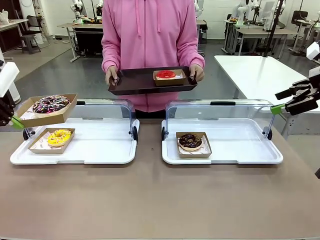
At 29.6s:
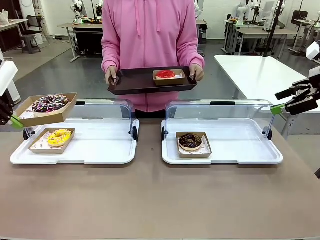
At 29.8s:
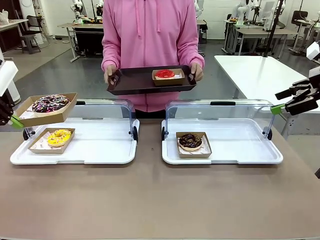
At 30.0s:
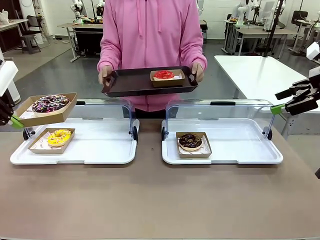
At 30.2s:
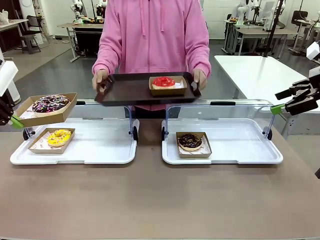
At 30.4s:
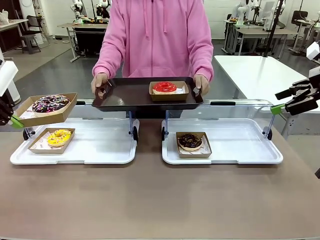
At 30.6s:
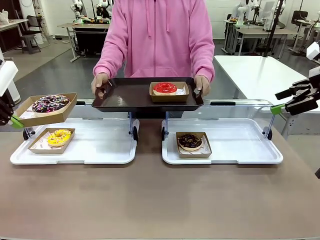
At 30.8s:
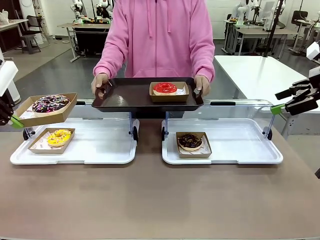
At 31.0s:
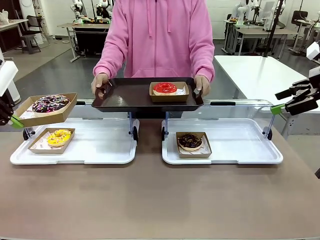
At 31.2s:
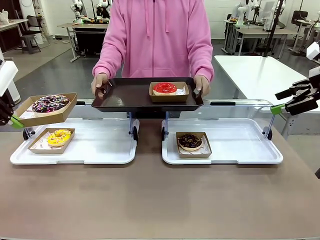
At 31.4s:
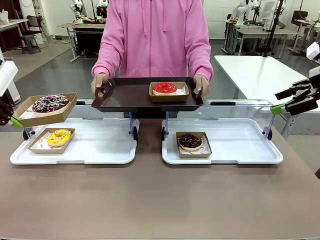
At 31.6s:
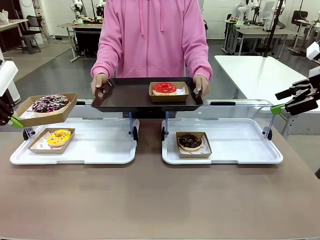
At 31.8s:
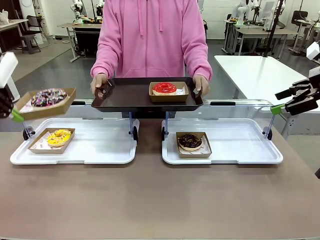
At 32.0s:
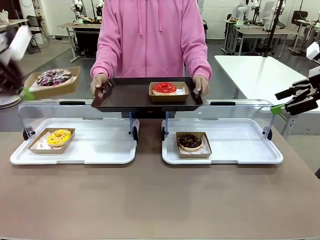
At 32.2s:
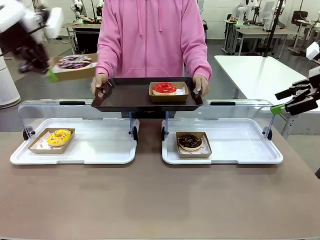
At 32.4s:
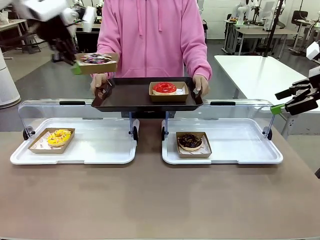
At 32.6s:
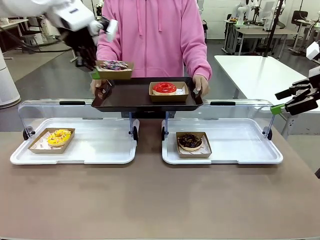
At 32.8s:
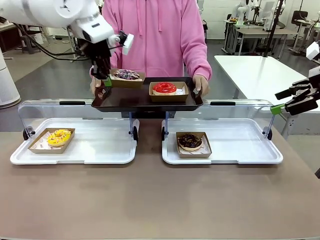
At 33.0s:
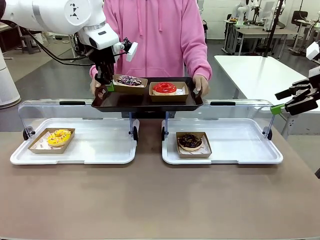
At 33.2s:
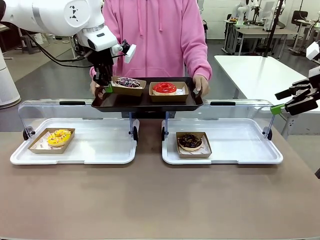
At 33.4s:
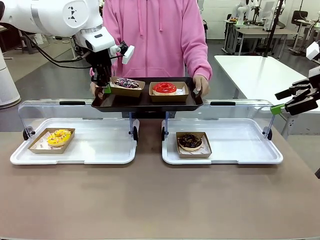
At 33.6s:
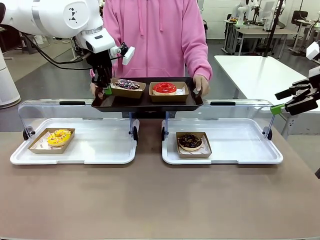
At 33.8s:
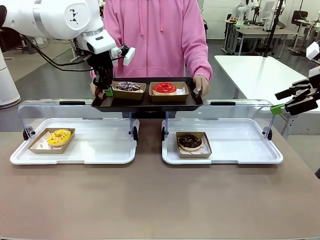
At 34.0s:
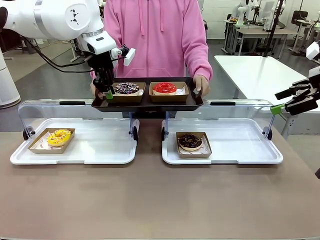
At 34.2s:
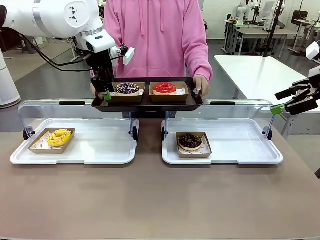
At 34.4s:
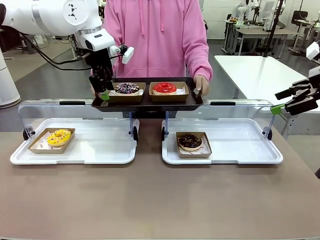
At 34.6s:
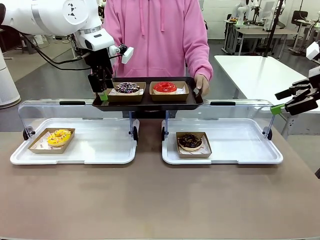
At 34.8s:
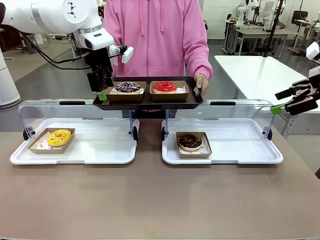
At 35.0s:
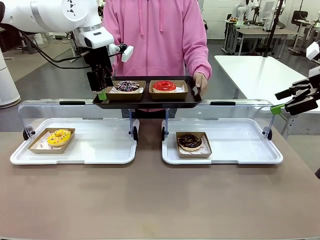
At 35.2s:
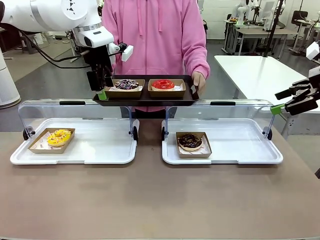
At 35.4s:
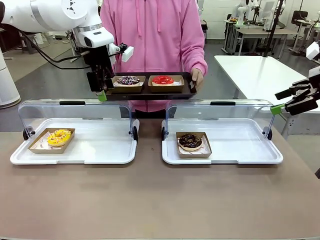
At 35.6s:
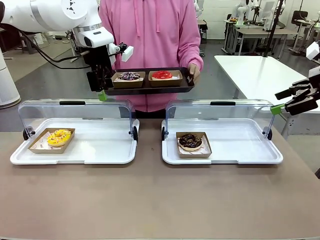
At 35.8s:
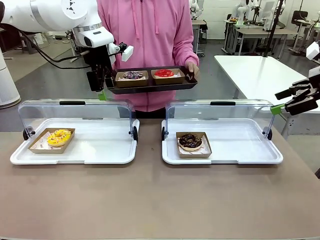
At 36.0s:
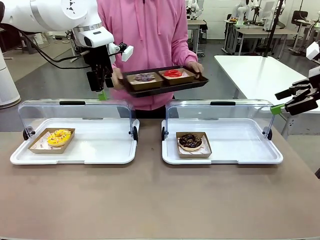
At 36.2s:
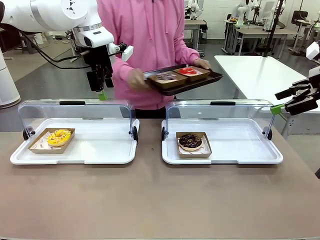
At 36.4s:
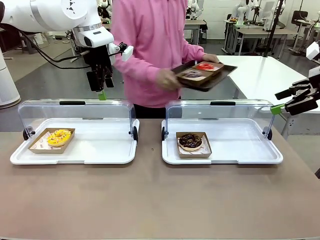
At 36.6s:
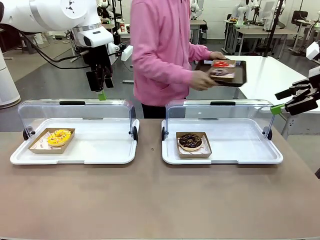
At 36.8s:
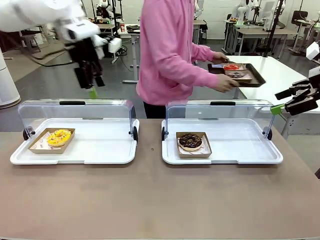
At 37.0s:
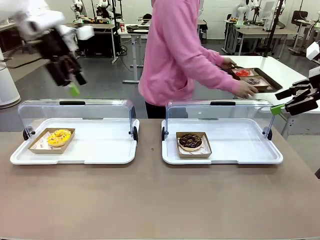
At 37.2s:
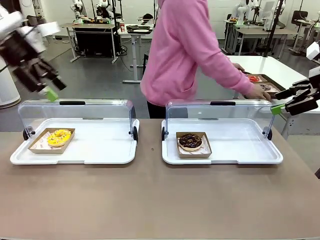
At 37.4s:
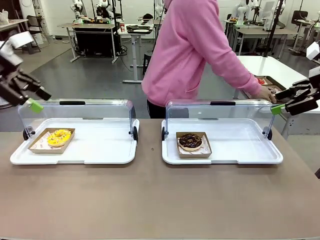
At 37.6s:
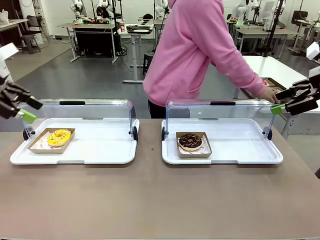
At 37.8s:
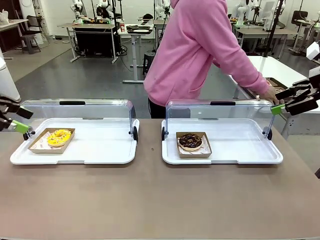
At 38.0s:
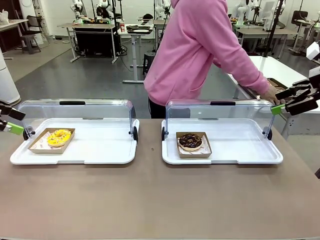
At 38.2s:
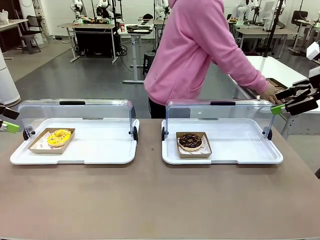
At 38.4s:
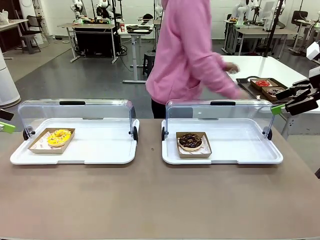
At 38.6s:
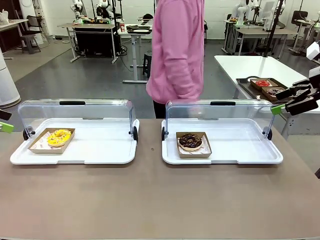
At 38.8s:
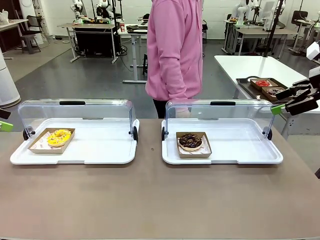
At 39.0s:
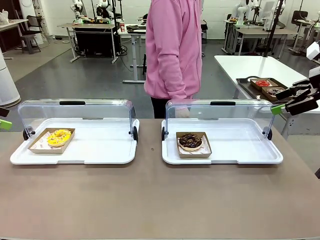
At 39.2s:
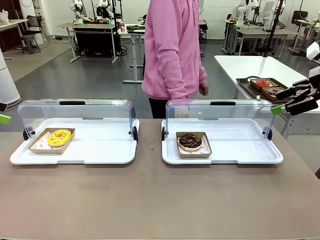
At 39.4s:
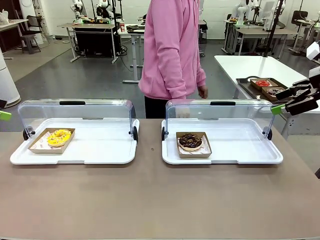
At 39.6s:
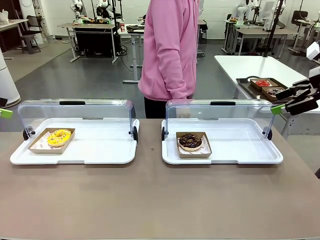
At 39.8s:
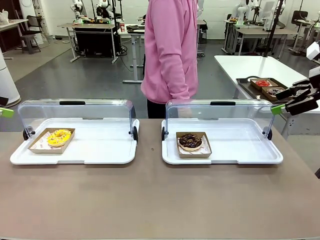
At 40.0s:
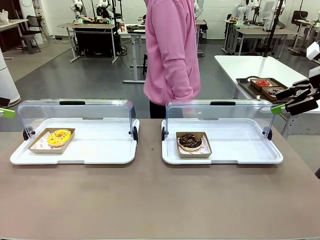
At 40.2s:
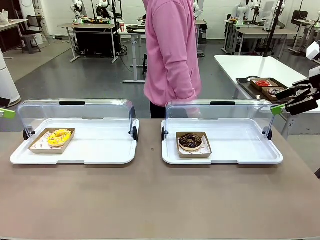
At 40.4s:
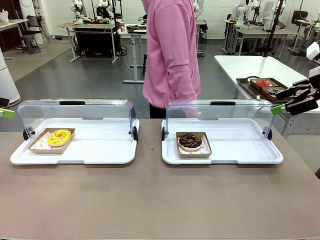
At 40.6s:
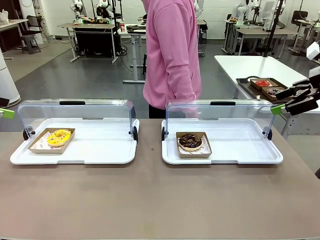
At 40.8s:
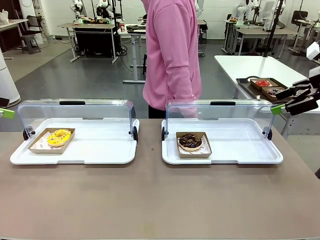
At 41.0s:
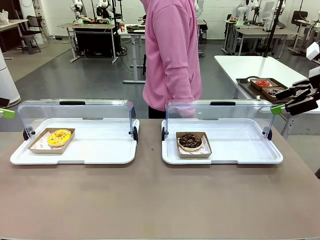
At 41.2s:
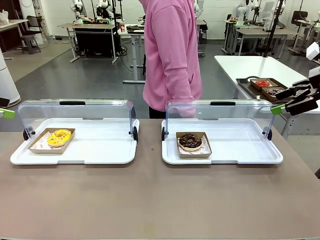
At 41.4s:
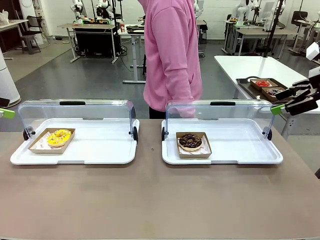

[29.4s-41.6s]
Task: Provide the desired donut to the person.
Robot: Place the picked Paper togo box onto the Handle tray extended by the person.
Person: Place the tray in the middle of the human table.

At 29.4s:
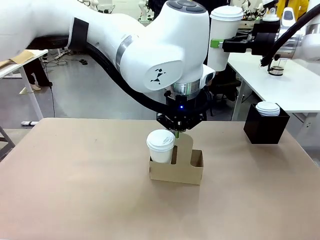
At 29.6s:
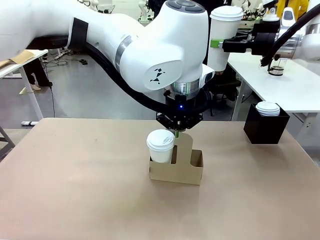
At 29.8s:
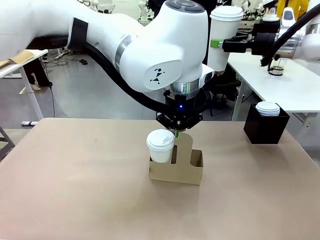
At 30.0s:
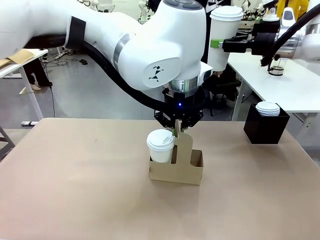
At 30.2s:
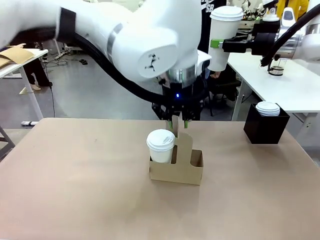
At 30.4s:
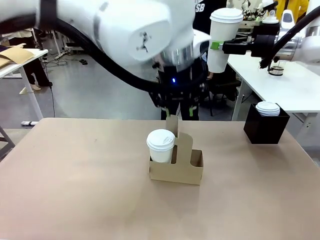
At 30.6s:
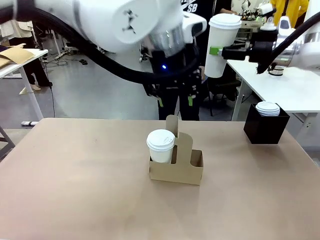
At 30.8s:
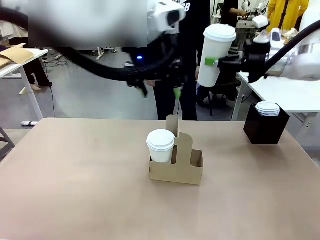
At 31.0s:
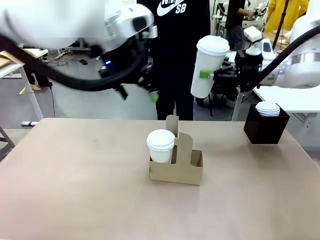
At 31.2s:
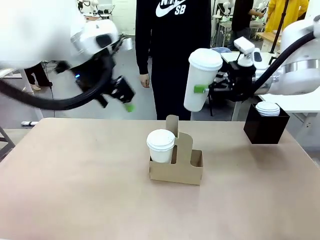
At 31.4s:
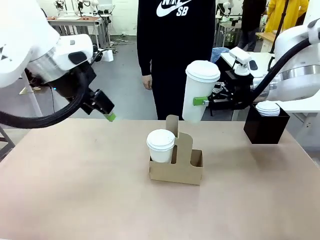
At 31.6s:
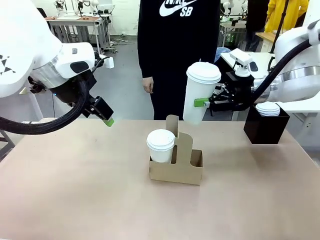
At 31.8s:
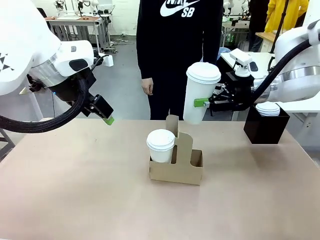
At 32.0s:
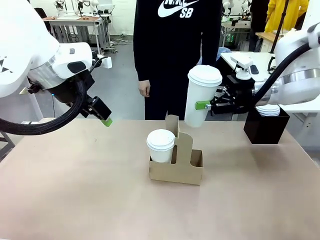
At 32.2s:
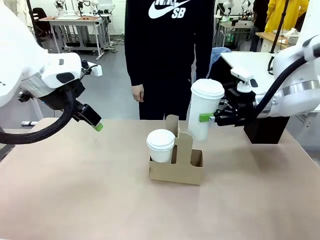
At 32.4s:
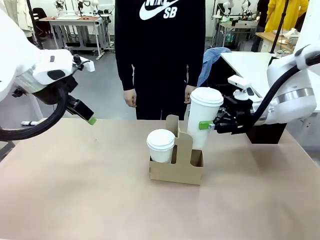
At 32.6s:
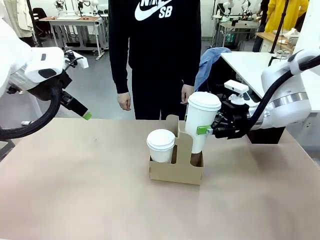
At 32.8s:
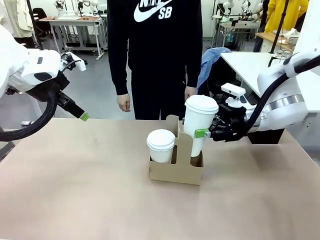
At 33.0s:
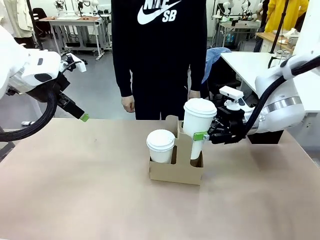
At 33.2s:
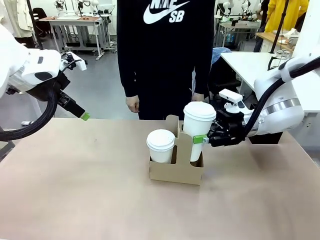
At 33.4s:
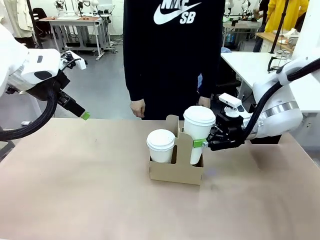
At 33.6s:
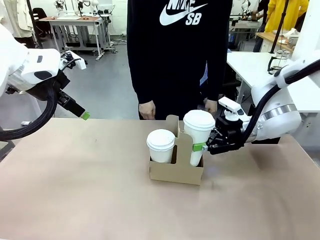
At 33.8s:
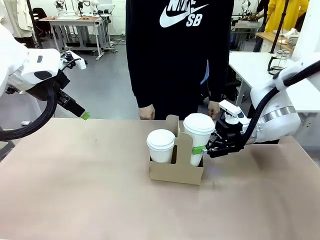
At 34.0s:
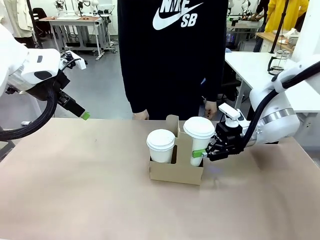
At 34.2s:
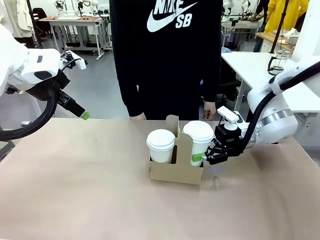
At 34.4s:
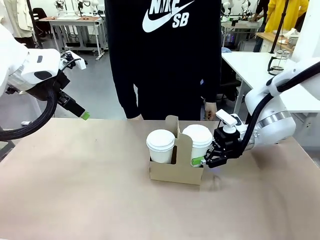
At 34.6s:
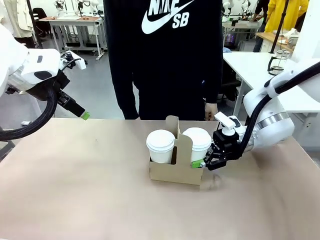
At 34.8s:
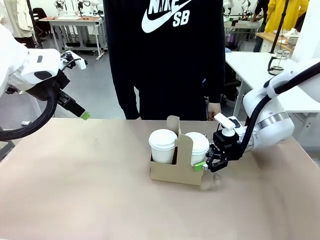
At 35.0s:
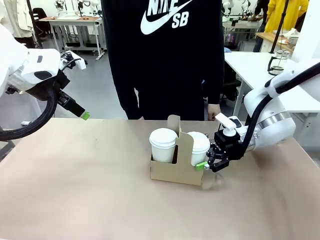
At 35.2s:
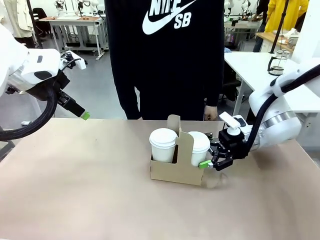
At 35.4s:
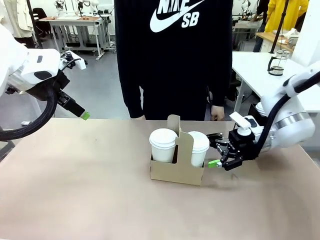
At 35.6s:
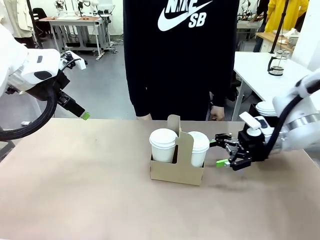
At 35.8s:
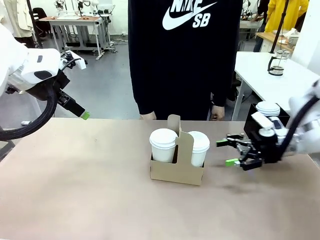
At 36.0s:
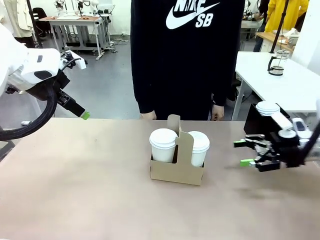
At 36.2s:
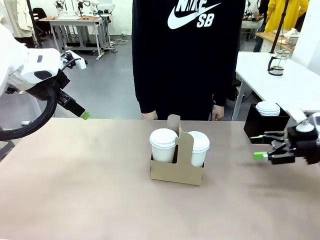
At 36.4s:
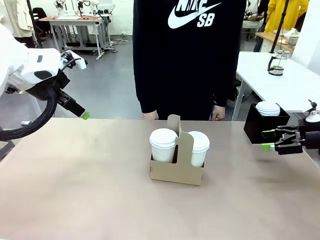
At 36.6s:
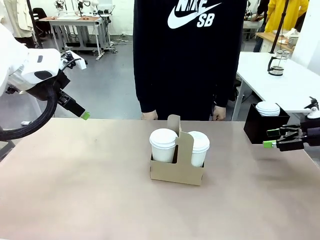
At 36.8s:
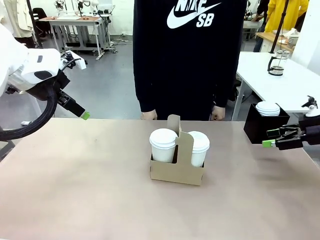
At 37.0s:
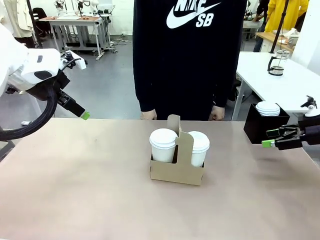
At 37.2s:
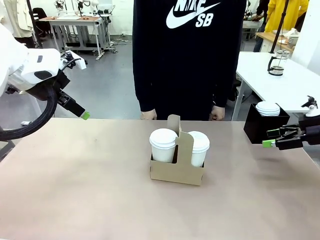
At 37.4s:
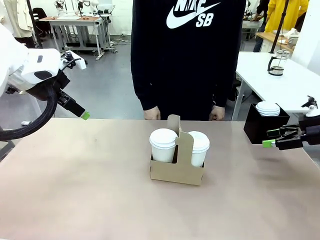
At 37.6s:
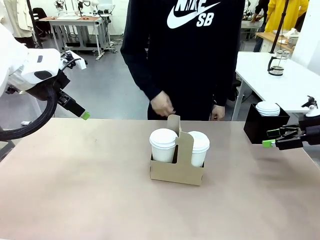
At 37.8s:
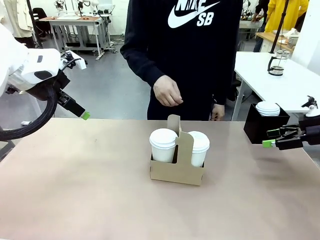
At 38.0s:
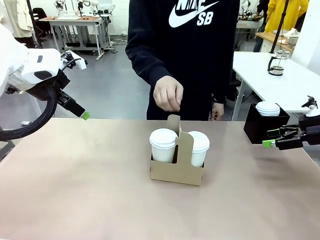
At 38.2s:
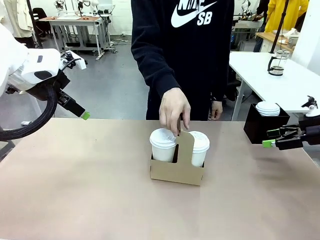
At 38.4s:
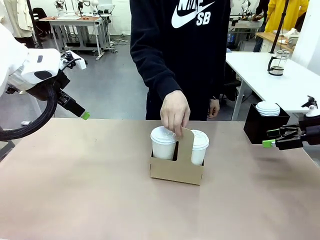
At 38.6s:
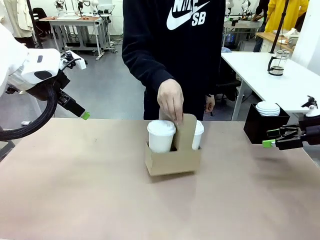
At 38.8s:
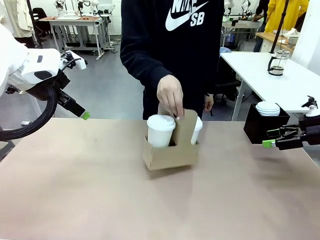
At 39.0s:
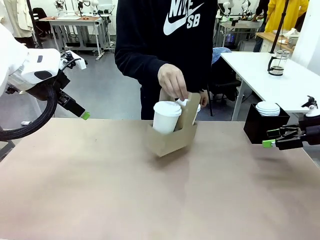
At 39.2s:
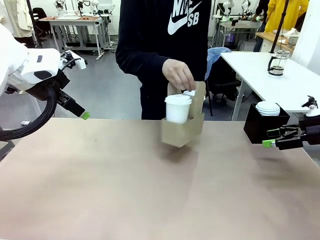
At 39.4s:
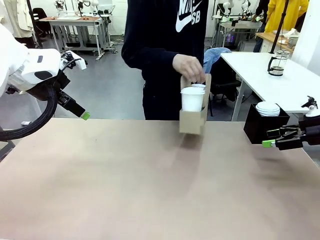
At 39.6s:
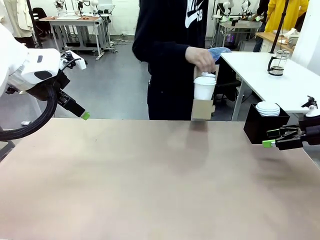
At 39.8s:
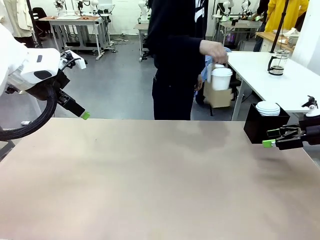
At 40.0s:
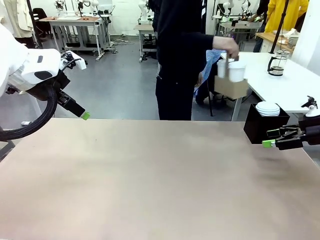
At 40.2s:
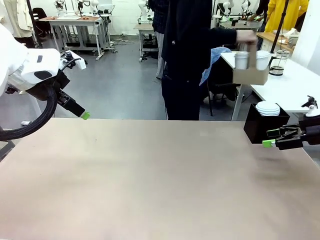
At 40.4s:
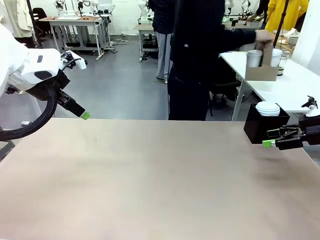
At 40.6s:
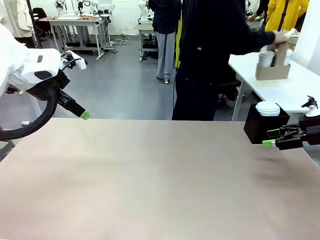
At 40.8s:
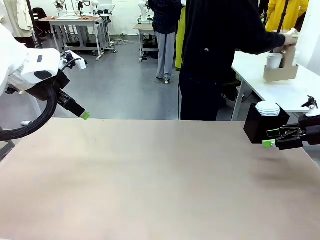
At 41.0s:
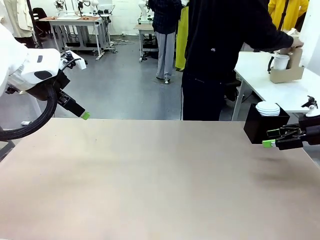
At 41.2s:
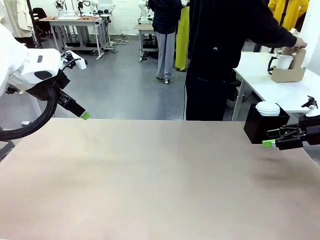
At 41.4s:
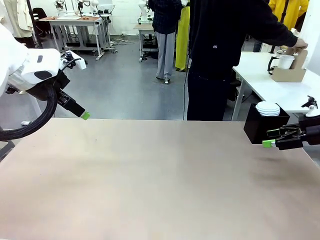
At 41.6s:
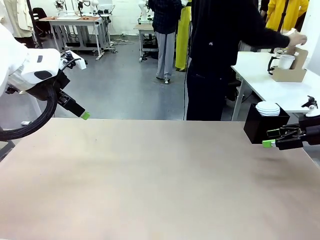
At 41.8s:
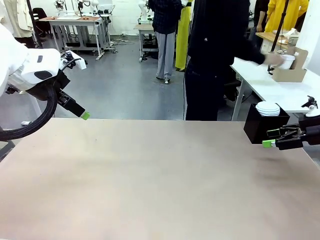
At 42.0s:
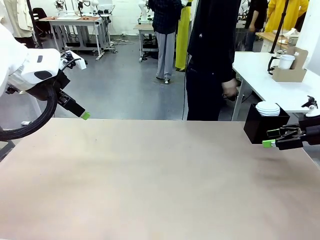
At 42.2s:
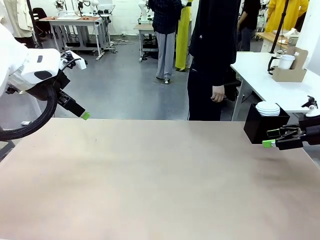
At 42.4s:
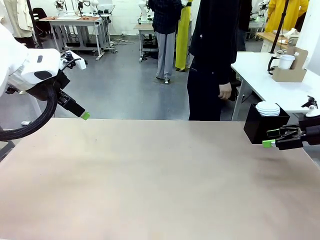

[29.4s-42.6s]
Task: Pour a drink into a cup and package it in a carrier.
Robot: Insert the held 600 ml Paper Cup into the Cup Carrier.
Person: Place the Cup Carrier to the middle of Human table.
